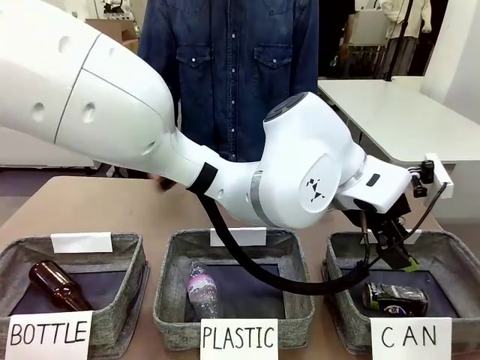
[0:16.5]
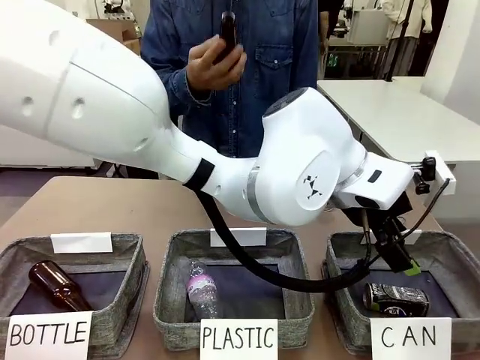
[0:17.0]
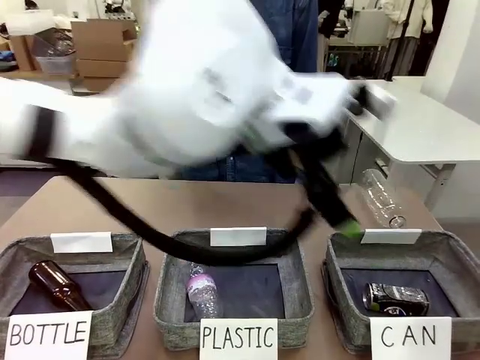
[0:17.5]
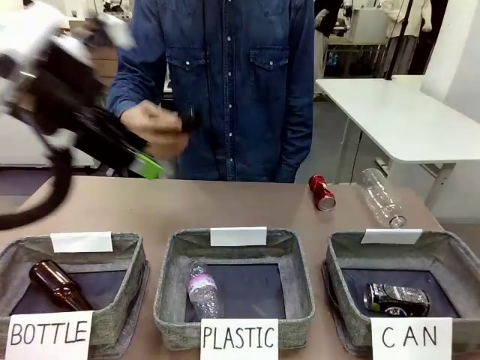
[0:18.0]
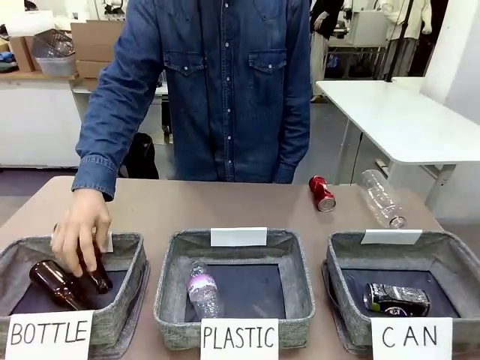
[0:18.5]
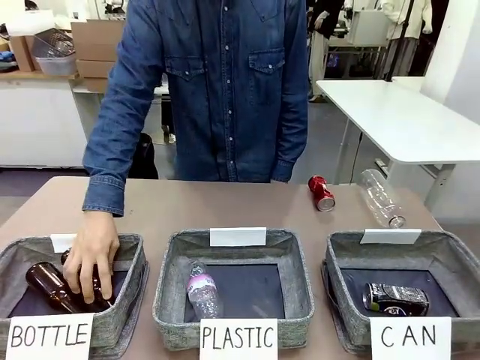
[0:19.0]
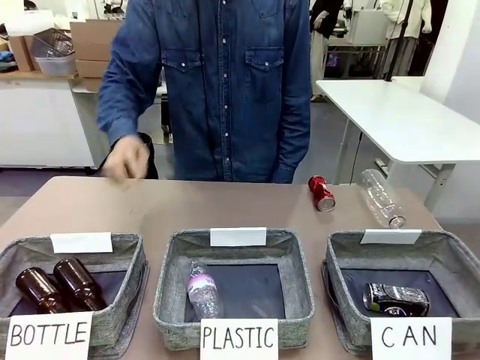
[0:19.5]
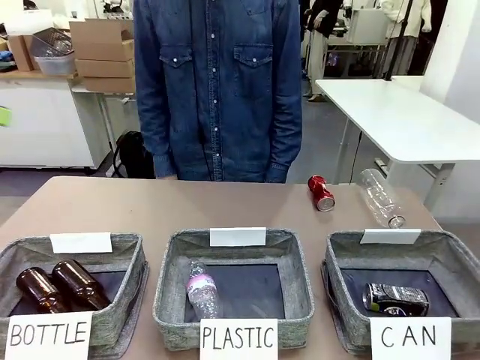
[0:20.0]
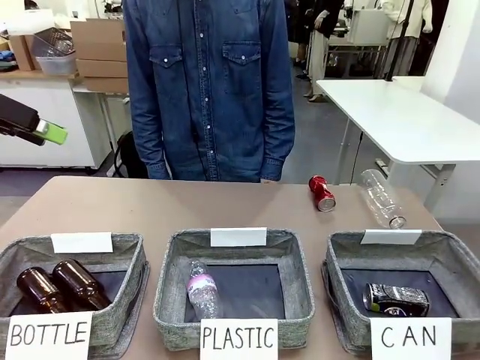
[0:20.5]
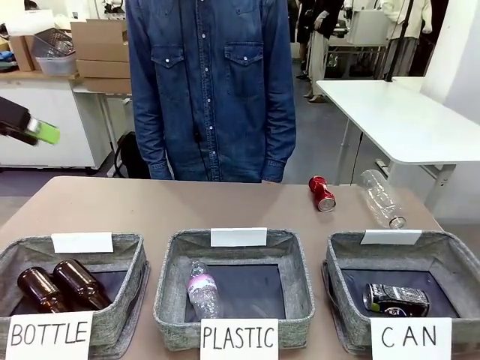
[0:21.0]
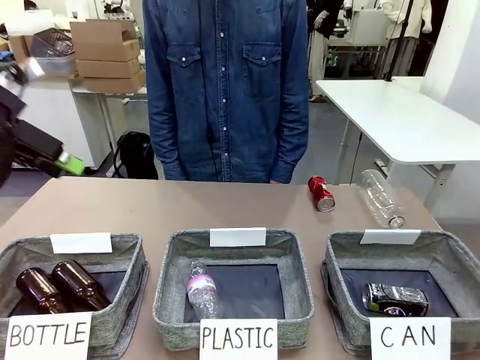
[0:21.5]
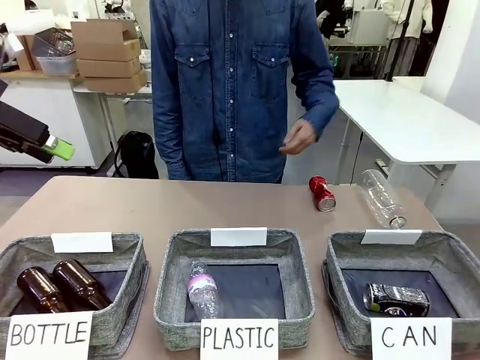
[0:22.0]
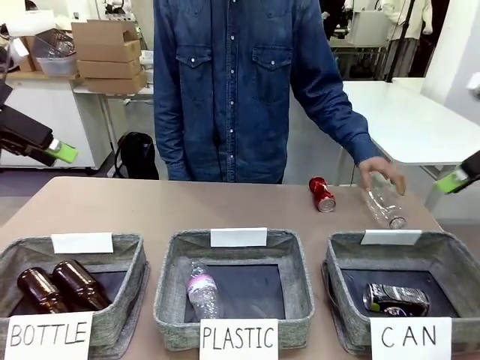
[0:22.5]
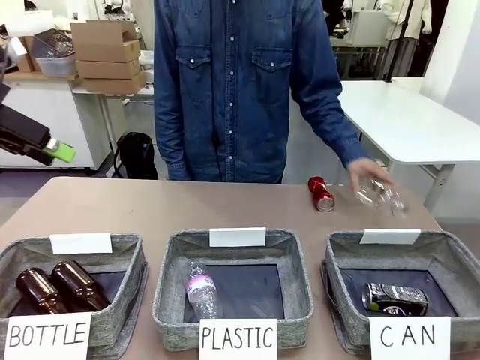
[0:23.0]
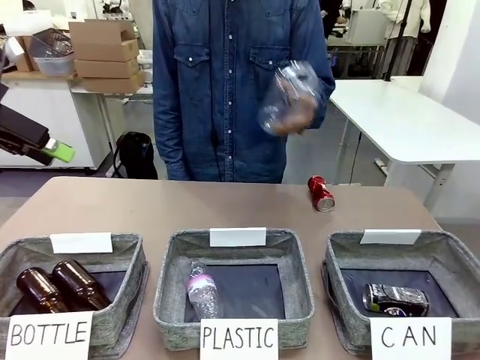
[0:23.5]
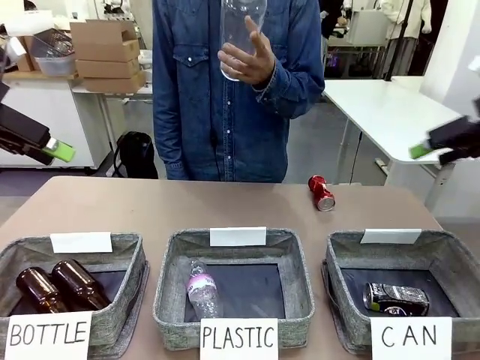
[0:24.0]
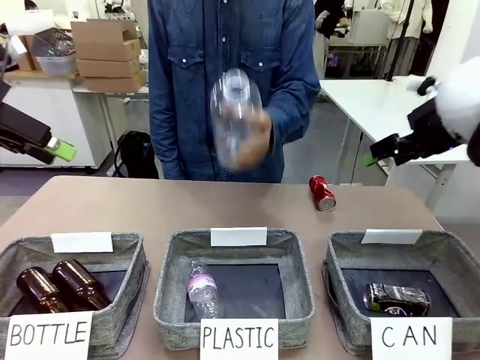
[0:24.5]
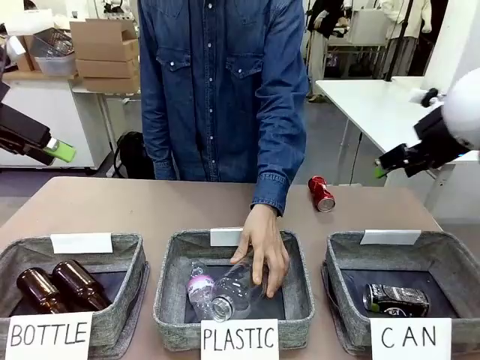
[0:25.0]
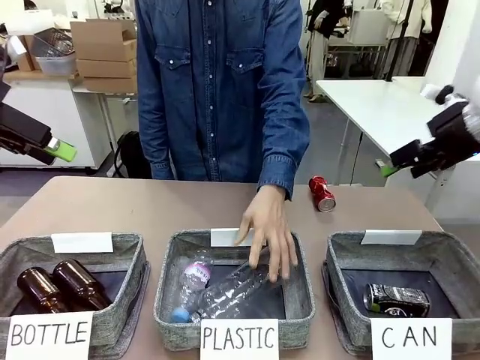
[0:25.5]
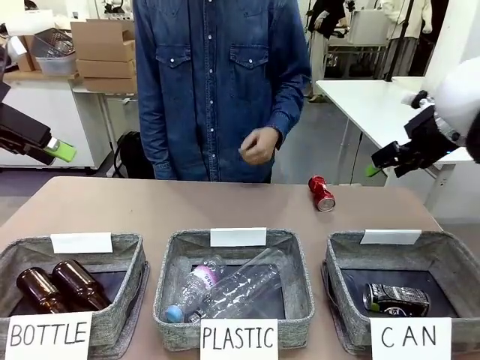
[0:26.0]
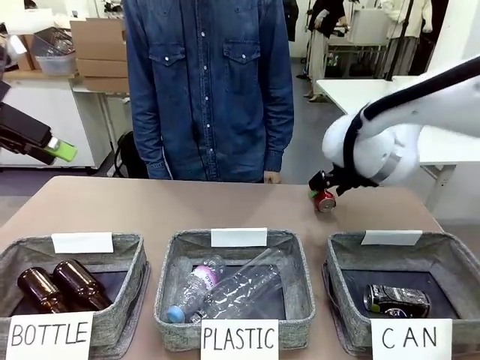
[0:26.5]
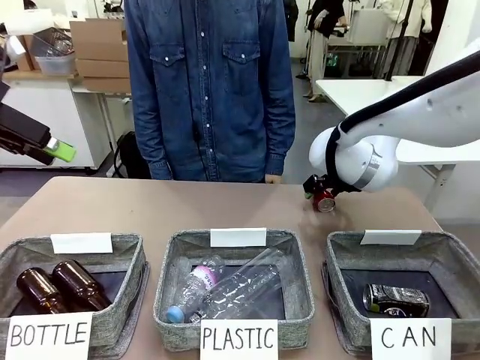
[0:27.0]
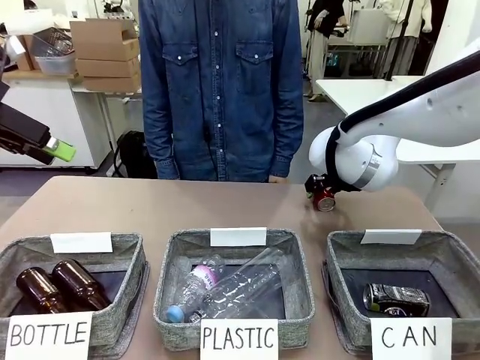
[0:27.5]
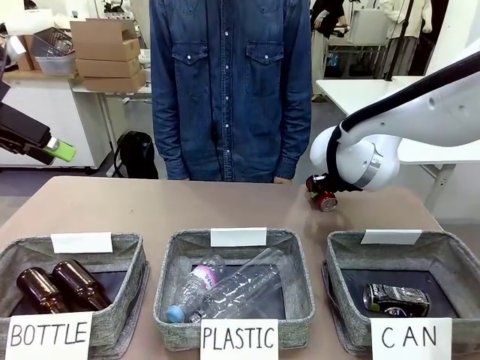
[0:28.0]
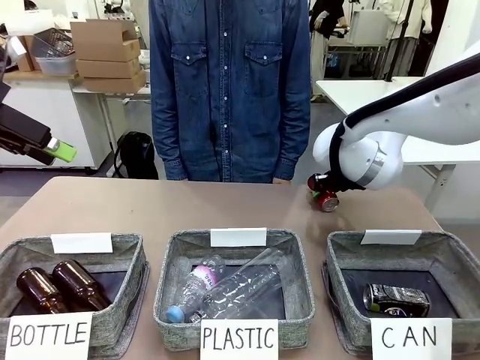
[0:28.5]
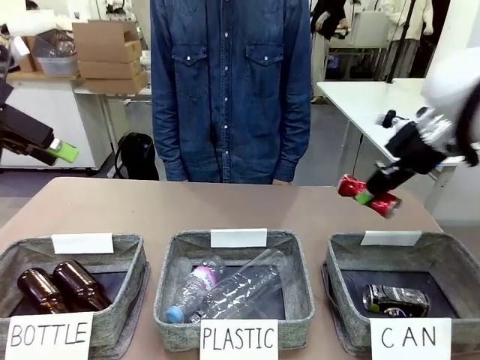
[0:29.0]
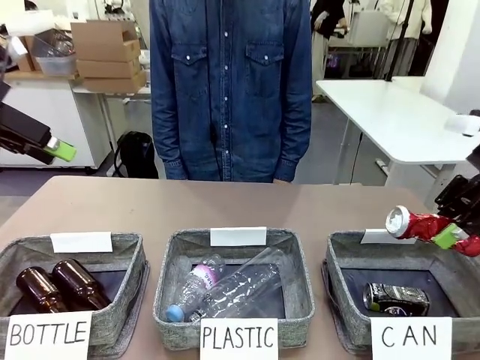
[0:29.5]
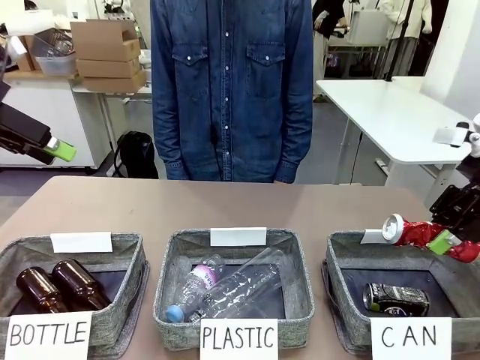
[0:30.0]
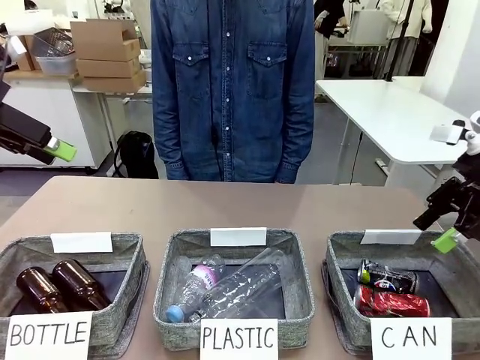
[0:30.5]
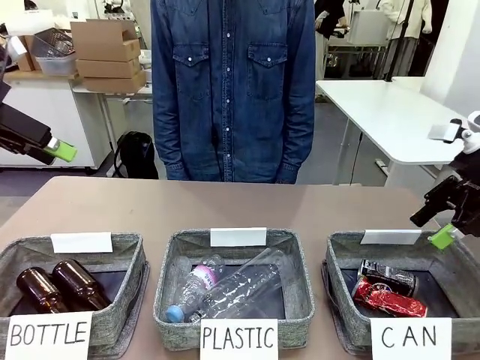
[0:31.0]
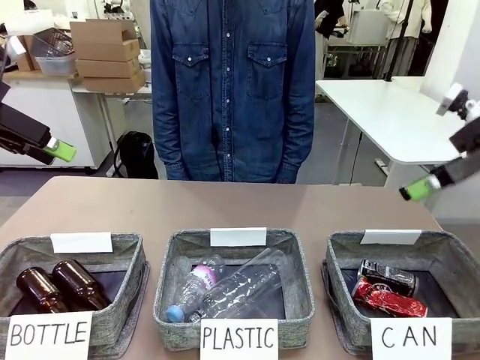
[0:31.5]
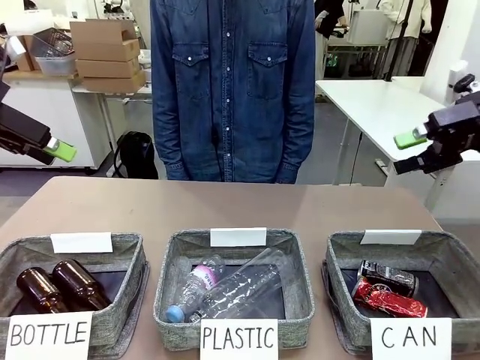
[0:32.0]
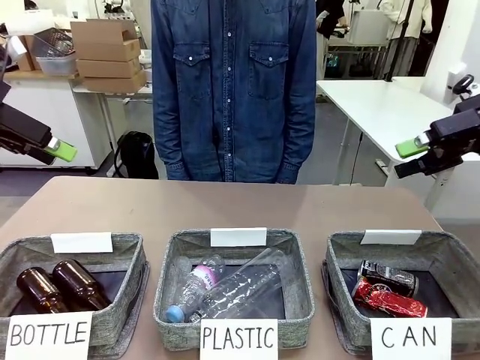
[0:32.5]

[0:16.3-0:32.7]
Task: Sort the can waste into the basket.
Robot: Pick up the can waste from the table and place it in the right Fabric basket.
Person: The human picks up one piece of trash that is not a can and places the trash into the appropriate organizing basket.

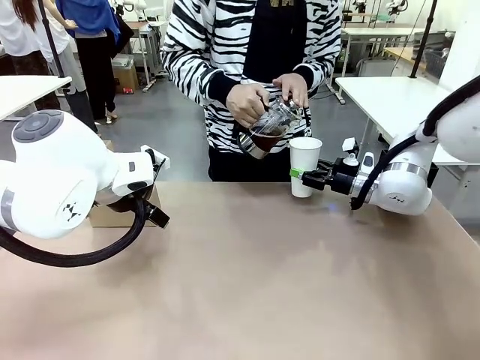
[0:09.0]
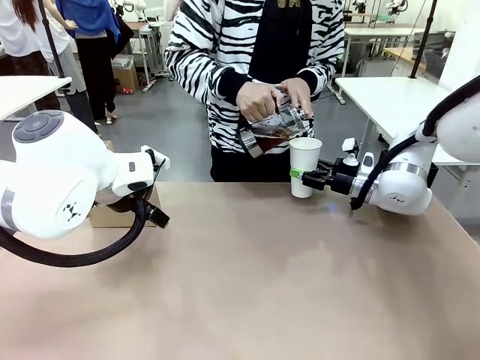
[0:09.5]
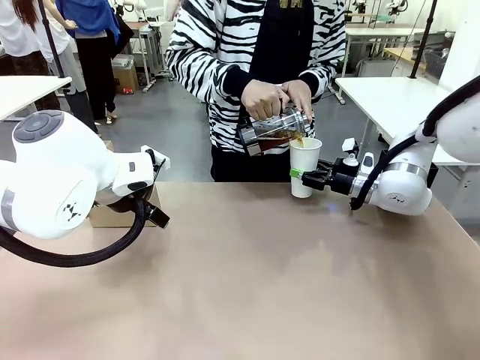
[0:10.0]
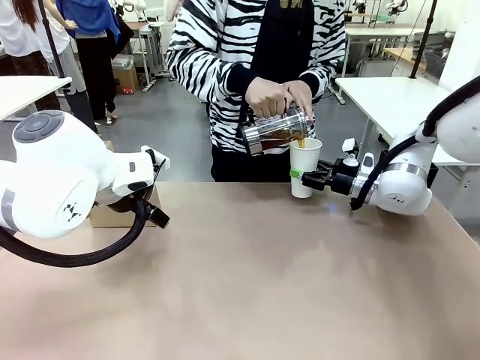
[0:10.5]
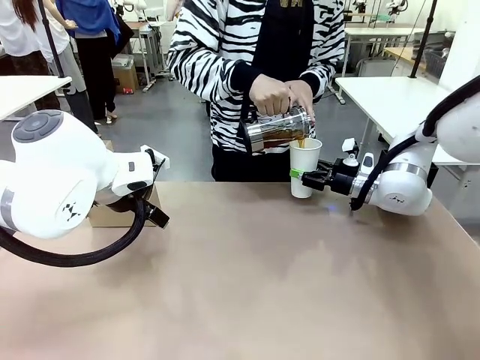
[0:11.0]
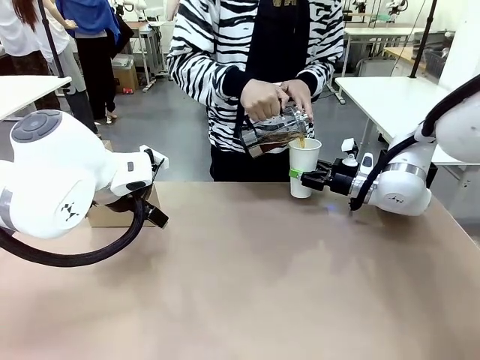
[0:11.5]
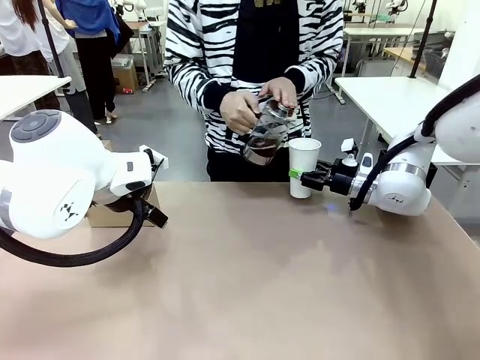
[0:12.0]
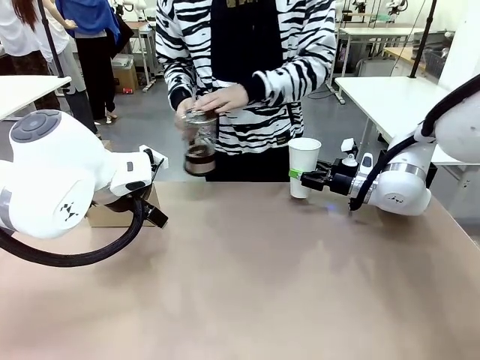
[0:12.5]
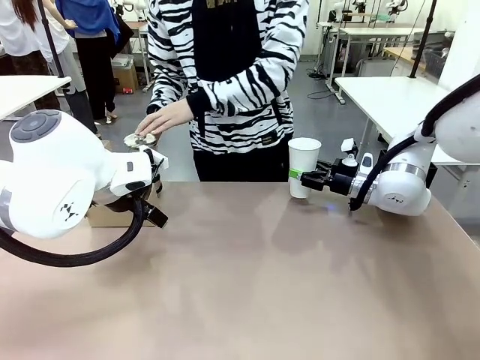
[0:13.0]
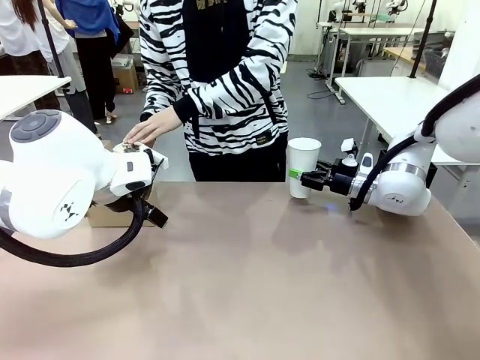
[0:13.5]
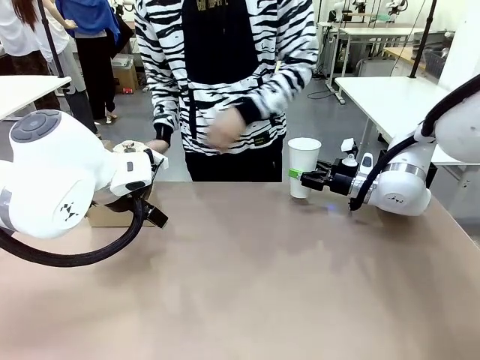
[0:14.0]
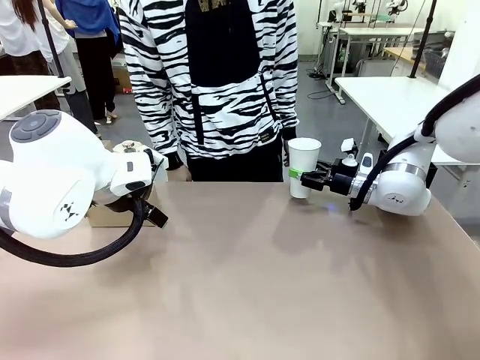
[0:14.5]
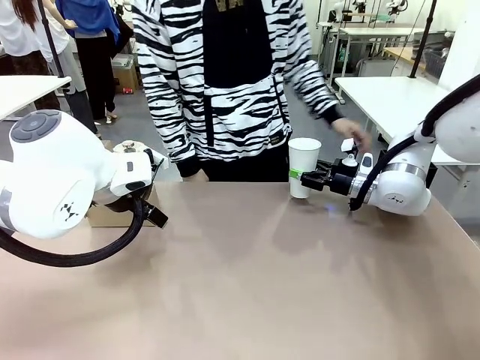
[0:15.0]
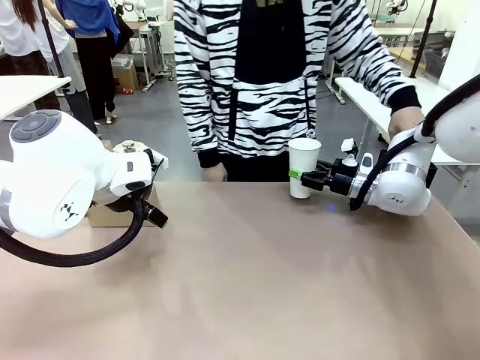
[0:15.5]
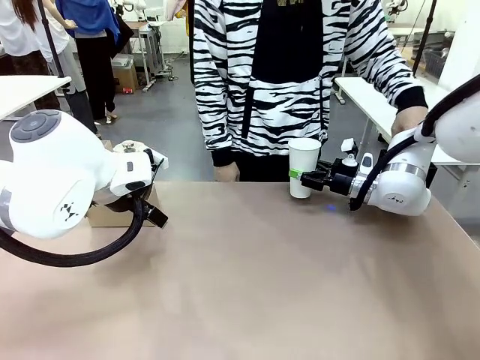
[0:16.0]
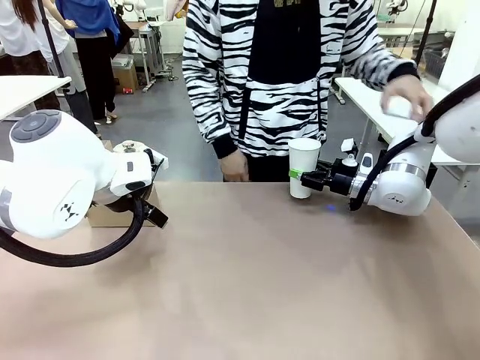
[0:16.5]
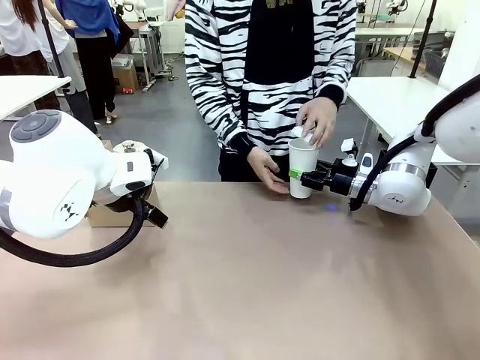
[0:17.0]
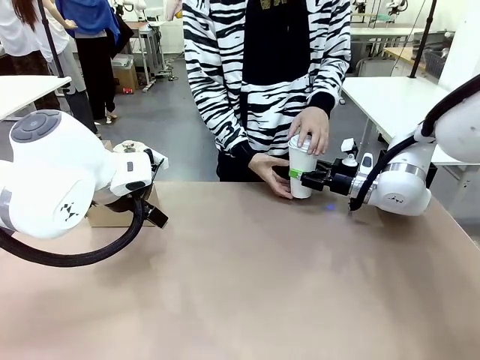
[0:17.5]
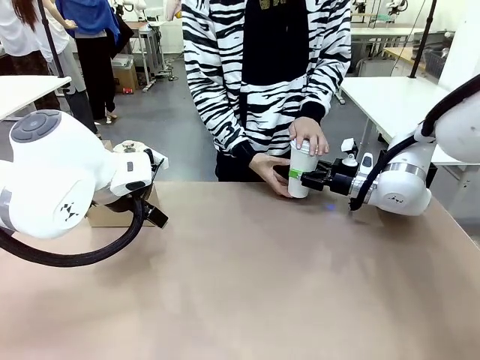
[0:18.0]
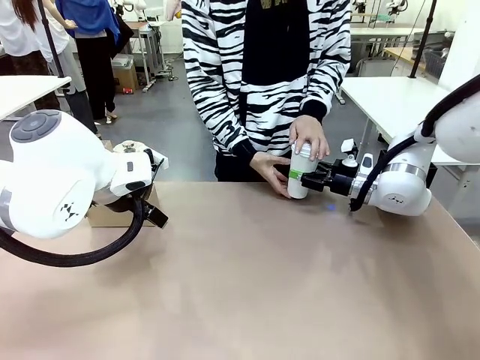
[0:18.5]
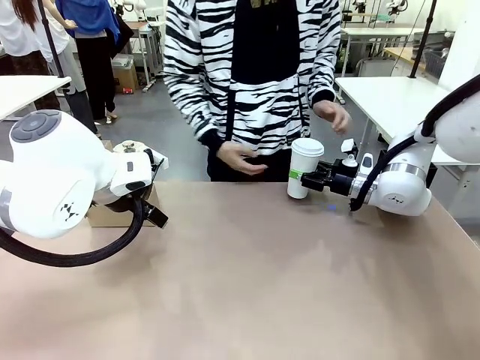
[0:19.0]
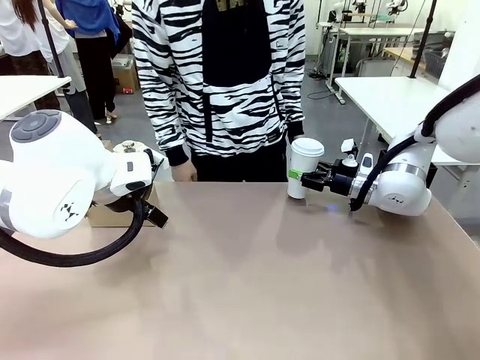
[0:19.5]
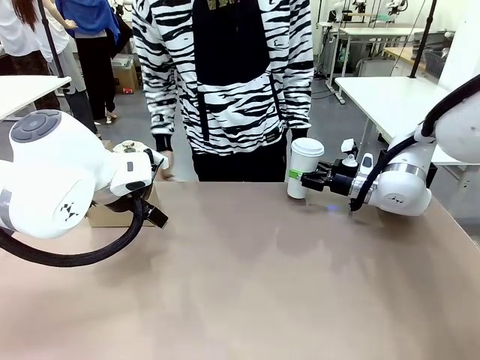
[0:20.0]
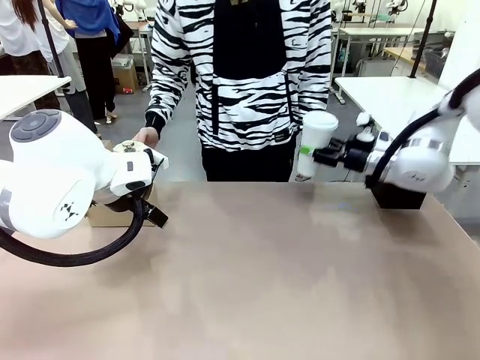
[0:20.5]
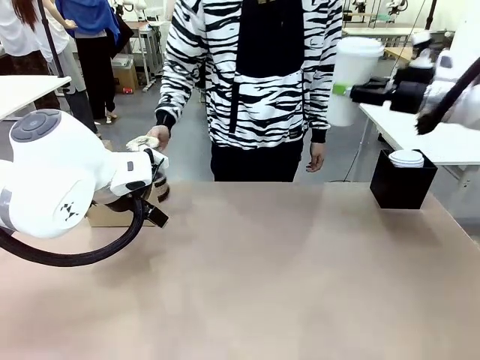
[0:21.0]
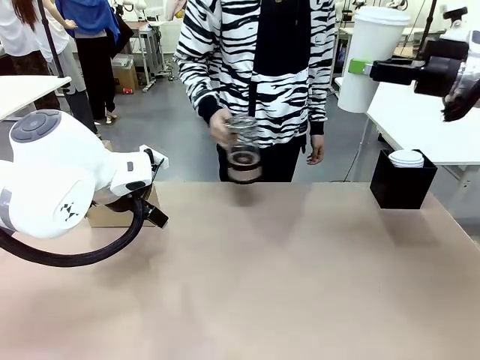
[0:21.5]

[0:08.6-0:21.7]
Task: Pour a drink into a cup and package it in a carrier.
Robot: When a person places the Paper Cup Lid on the 600 ml Paper Cup , lift the 600 ml Paper Cup.
Person: Pour the drink from the Filter Brewing into the 600 ml Paper Cup. Place a Paper Cup Lid on the 600 ml Paper Cup.
